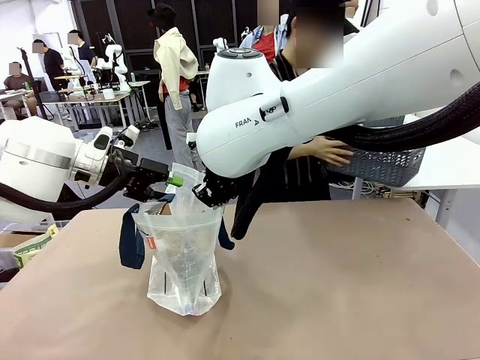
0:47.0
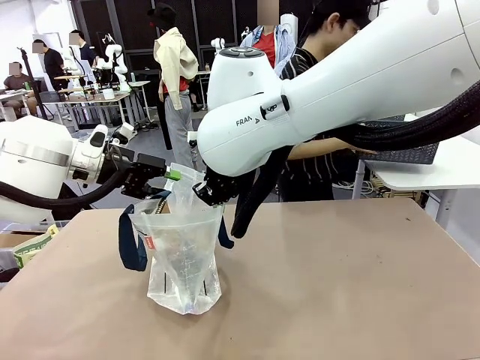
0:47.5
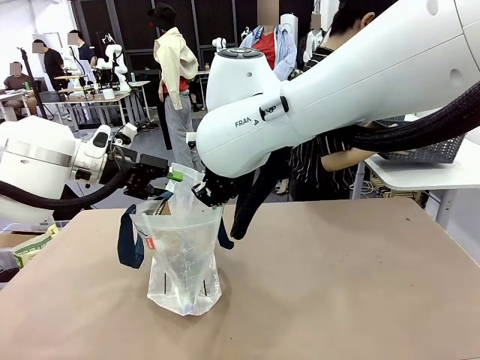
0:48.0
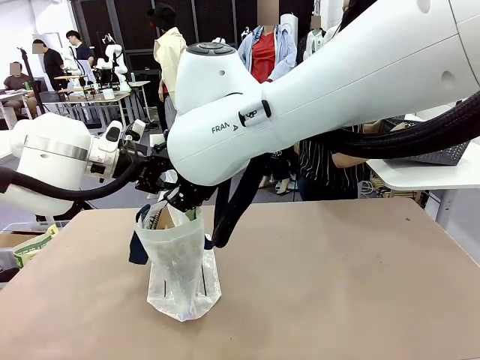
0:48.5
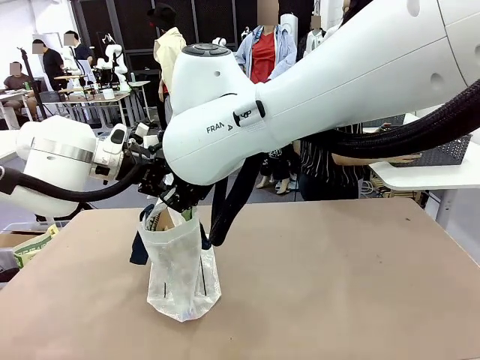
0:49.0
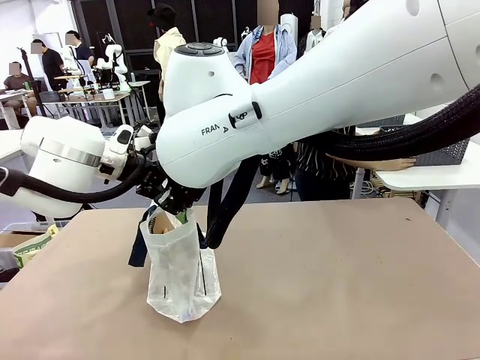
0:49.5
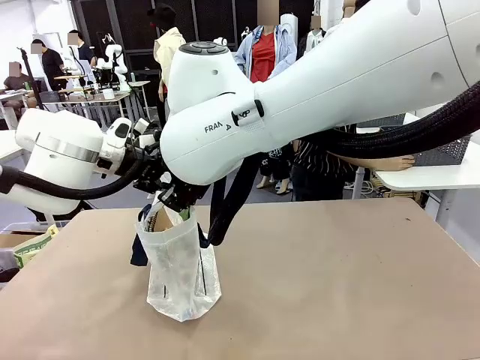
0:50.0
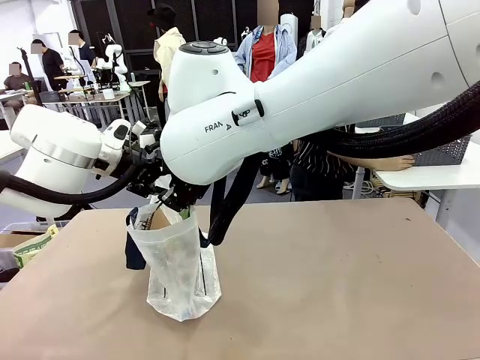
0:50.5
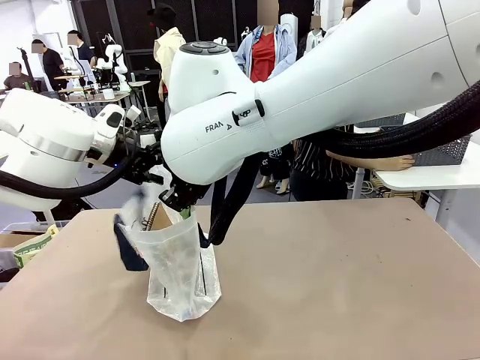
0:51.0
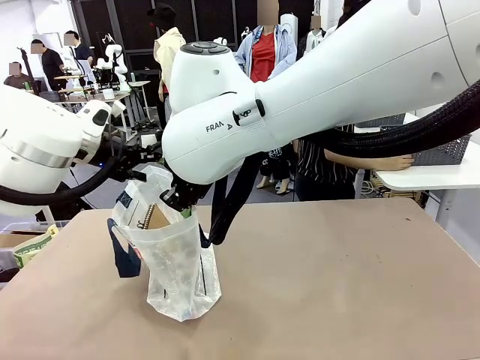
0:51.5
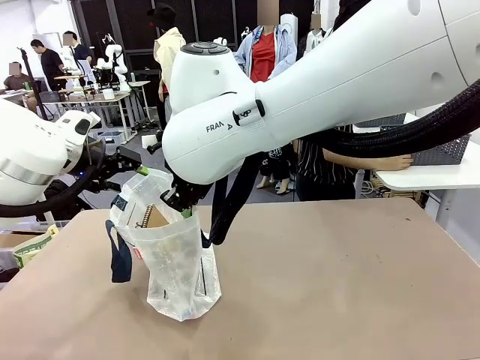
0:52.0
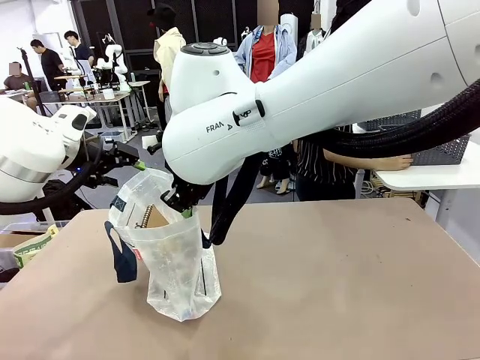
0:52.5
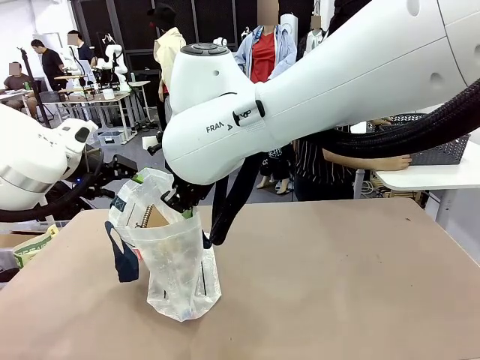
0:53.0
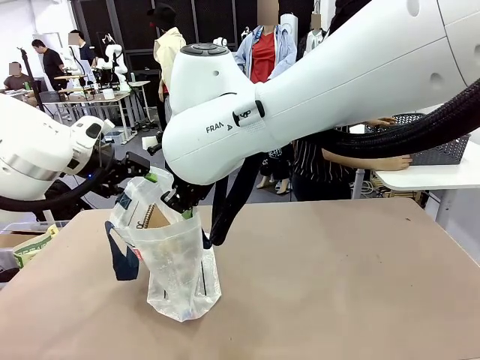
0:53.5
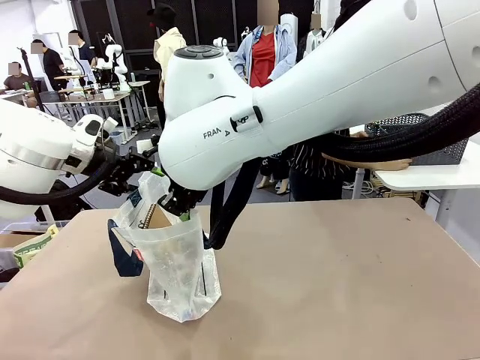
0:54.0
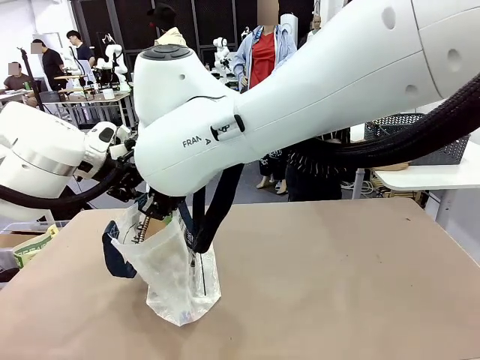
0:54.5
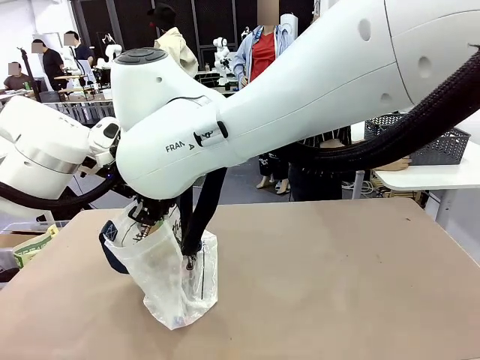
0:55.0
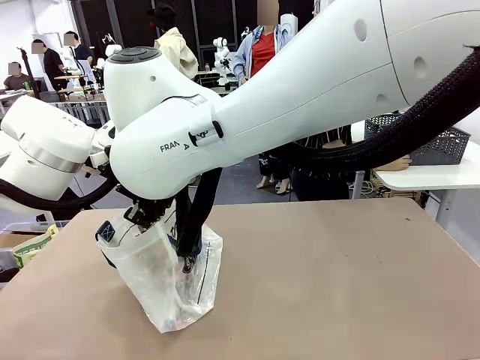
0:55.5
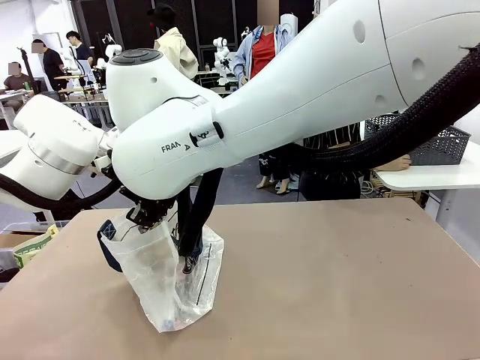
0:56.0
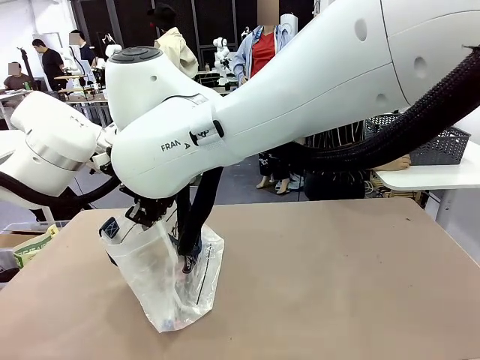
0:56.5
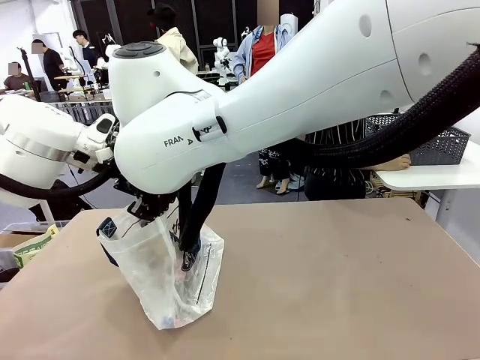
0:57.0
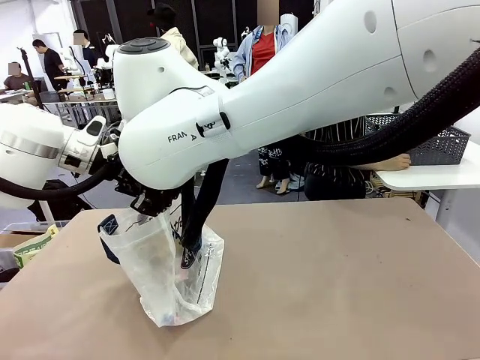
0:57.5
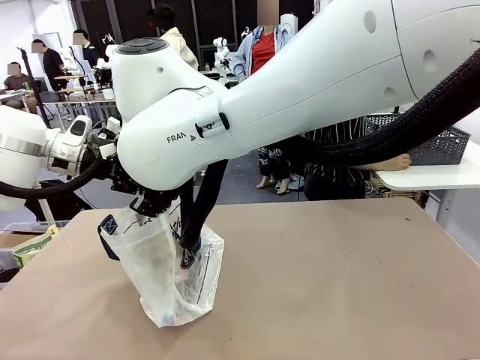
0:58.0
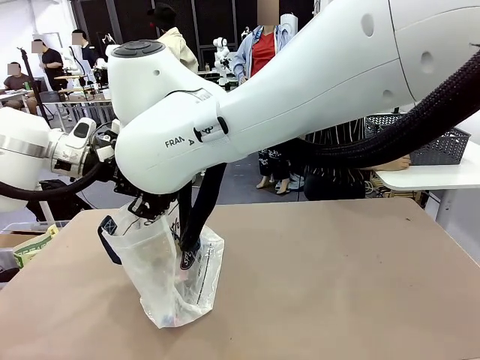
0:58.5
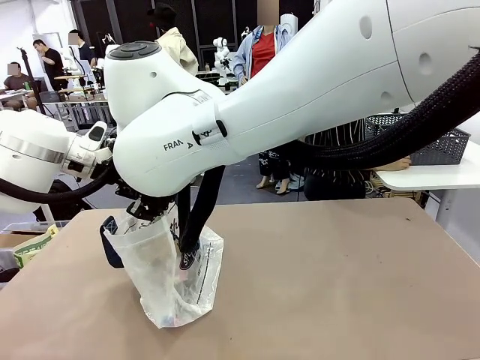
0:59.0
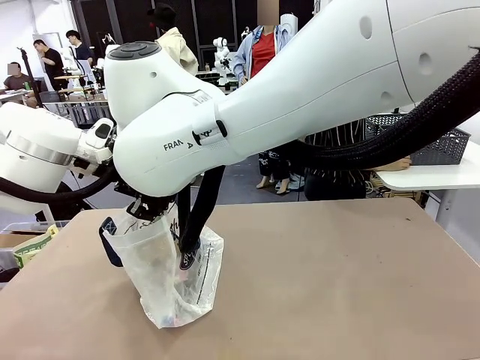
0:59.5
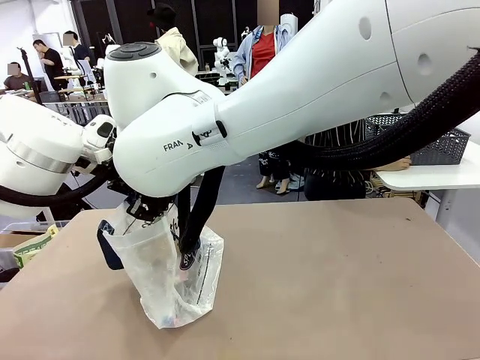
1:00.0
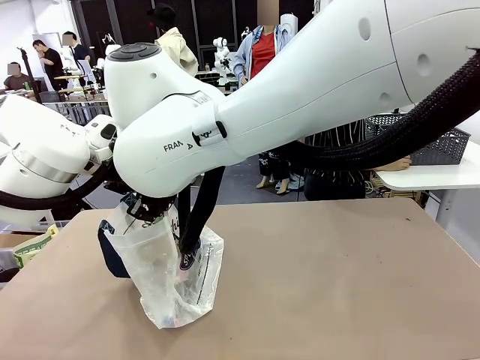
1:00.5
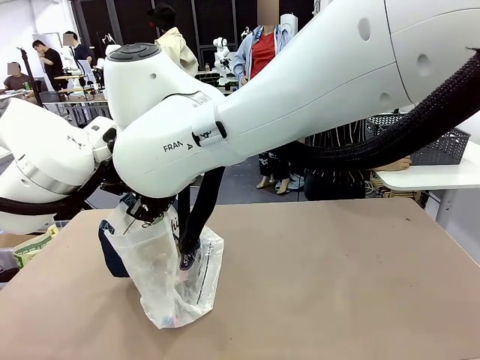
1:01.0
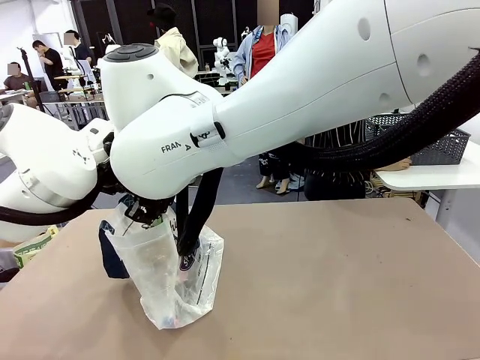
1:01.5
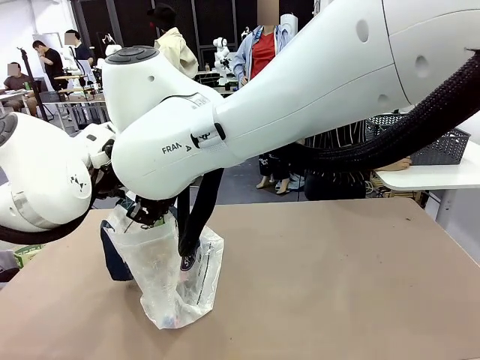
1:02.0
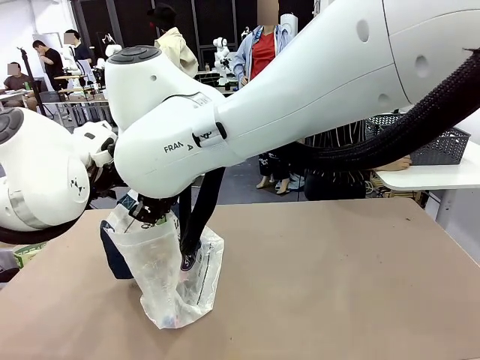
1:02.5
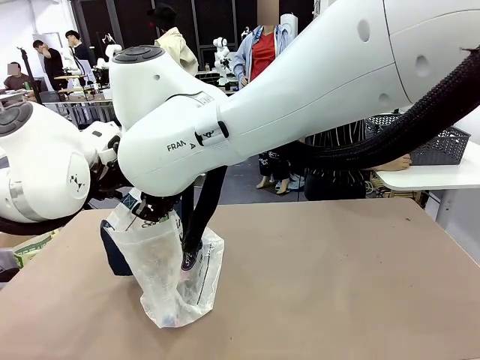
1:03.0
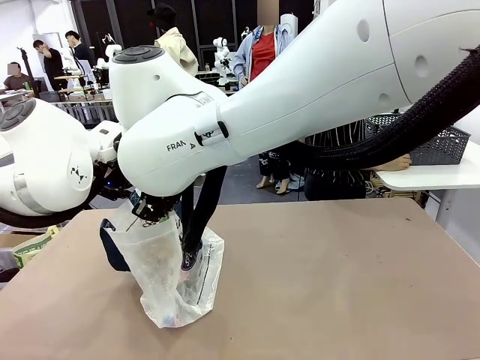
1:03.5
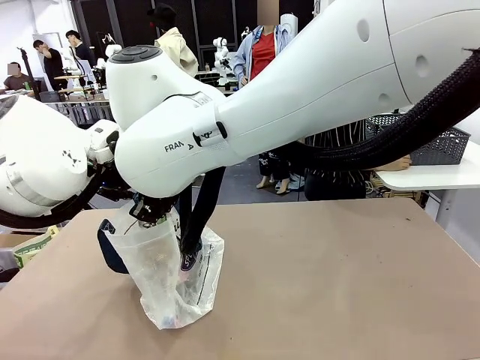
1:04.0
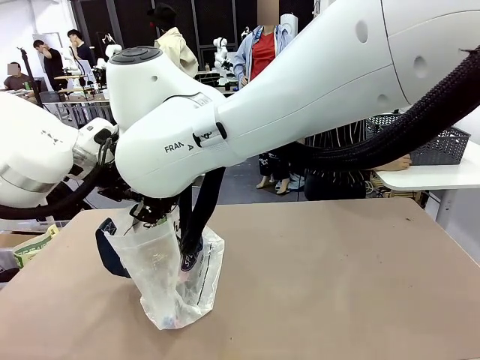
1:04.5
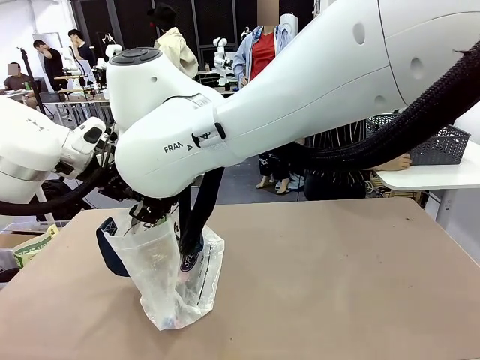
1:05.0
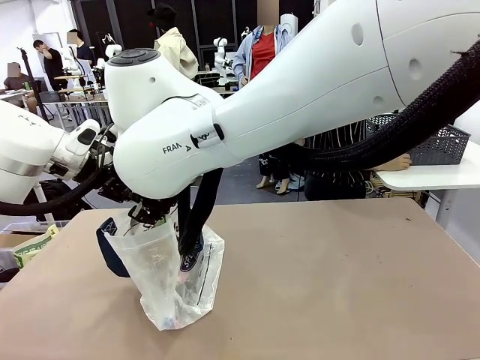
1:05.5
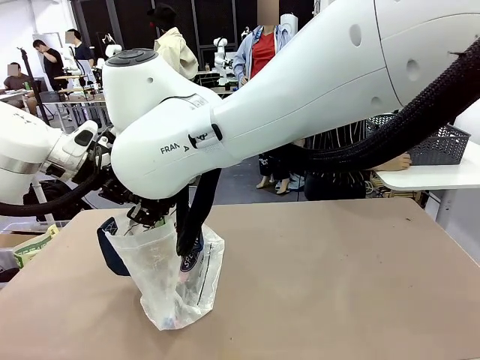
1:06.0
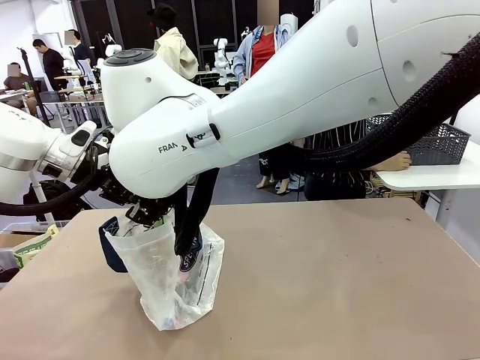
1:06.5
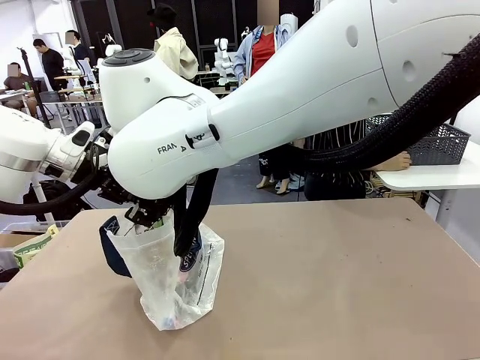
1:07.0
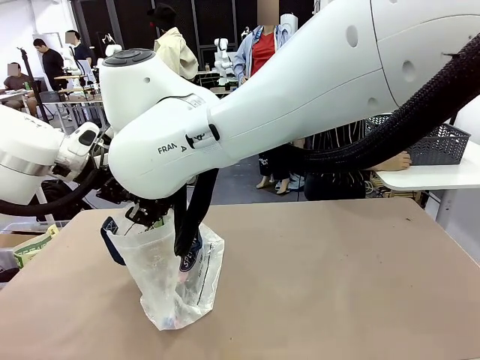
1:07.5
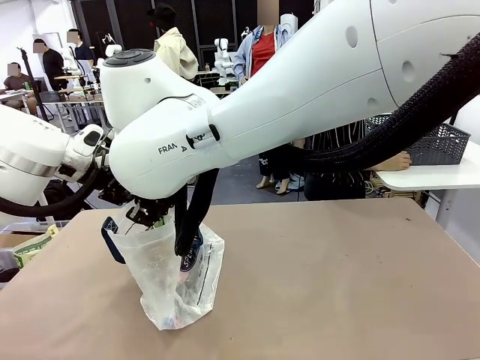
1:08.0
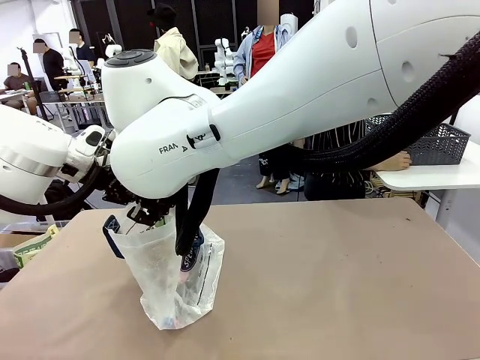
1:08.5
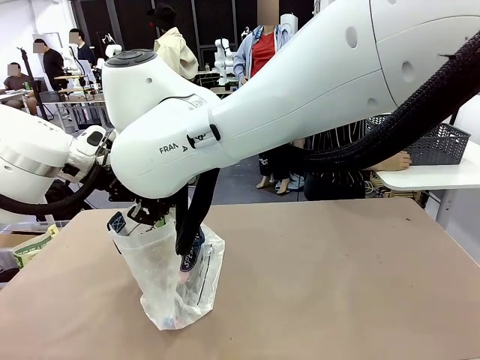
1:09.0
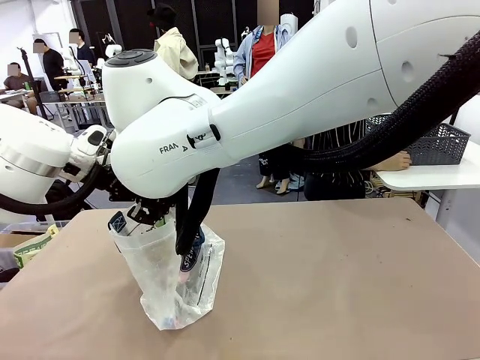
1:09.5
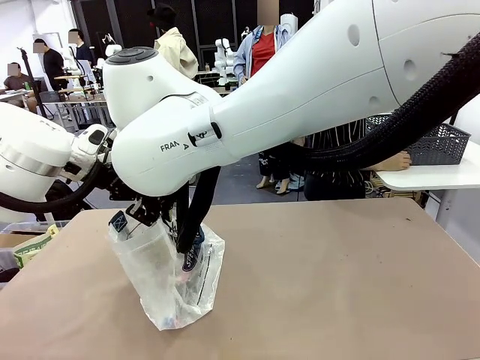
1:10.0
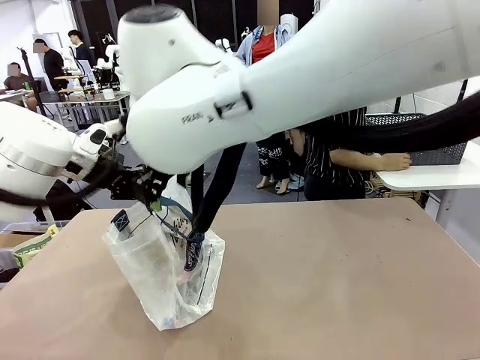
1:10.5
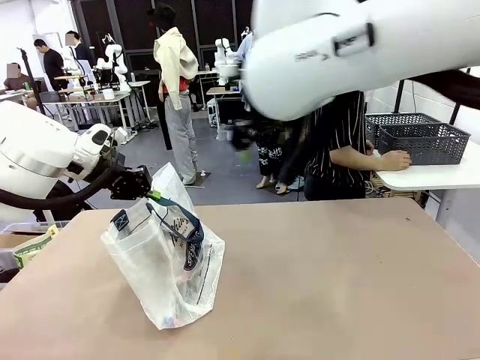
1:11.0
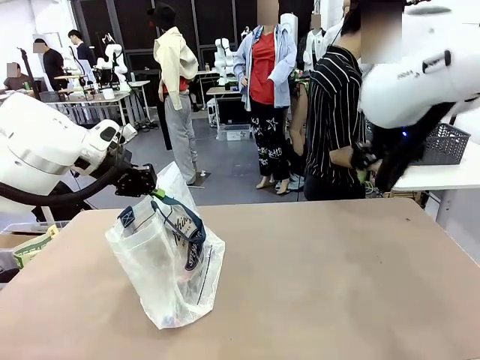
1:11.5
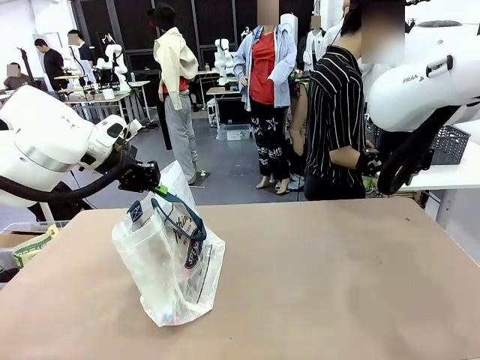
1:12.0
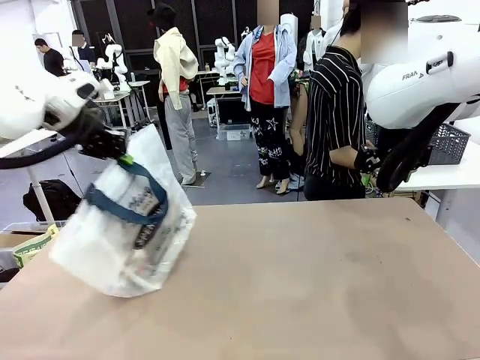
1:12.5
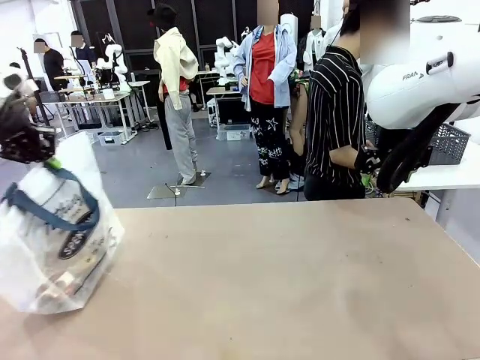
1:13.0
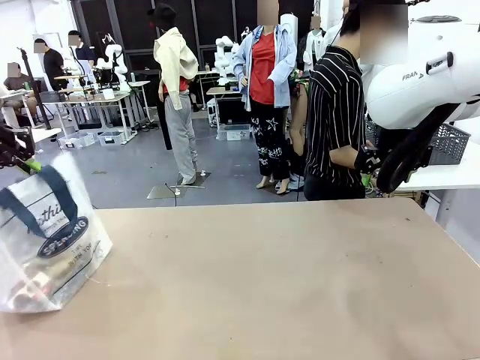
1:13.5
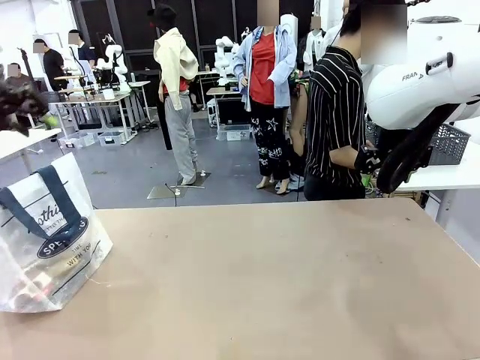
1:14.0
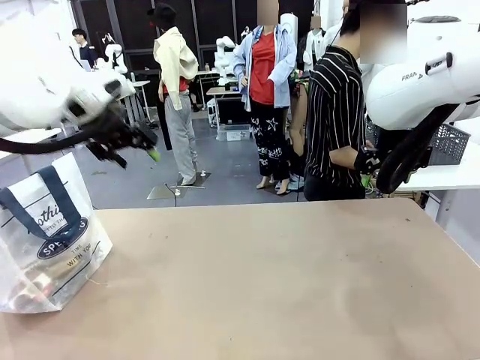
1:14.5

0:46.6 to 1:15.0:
Task: Transfer purchased items from the store into the shopping bag.
Robot: Move the Reusable shopping bag to the right side of the table.
Person: Move the basket on the left to the middle of the person's table.
